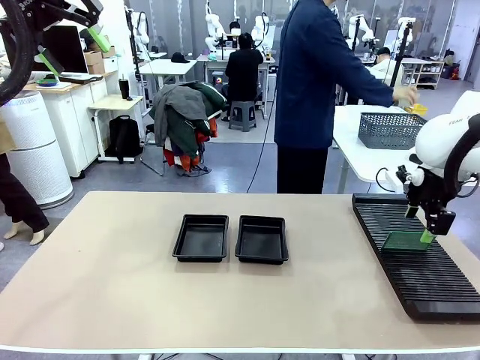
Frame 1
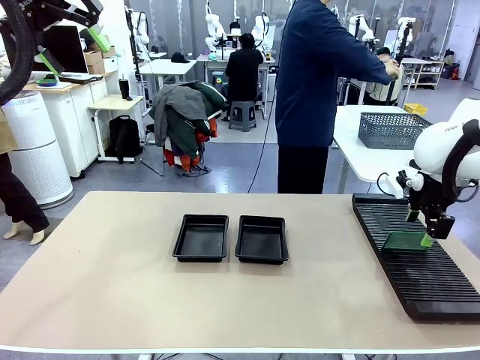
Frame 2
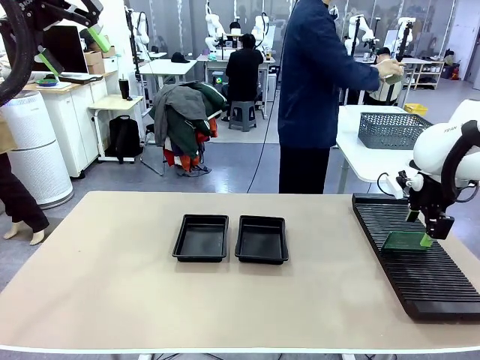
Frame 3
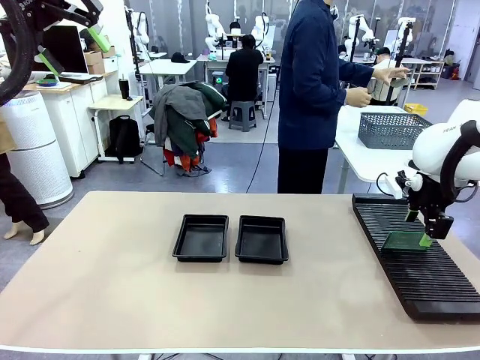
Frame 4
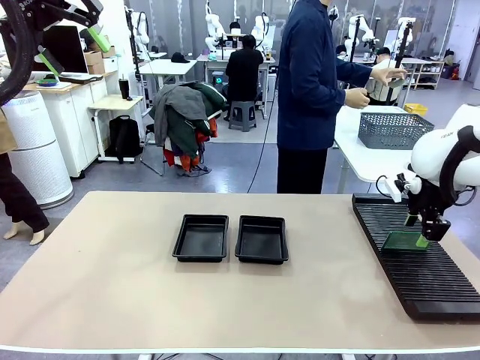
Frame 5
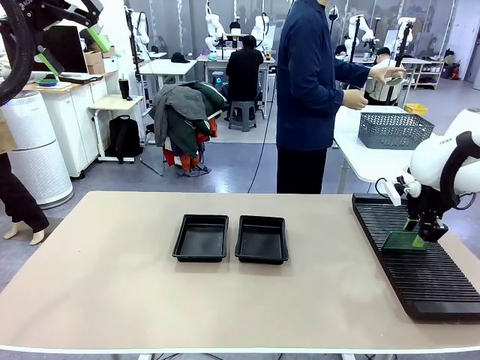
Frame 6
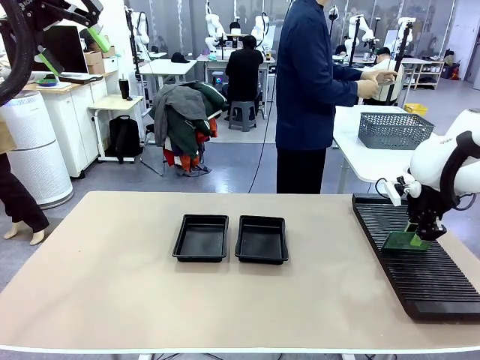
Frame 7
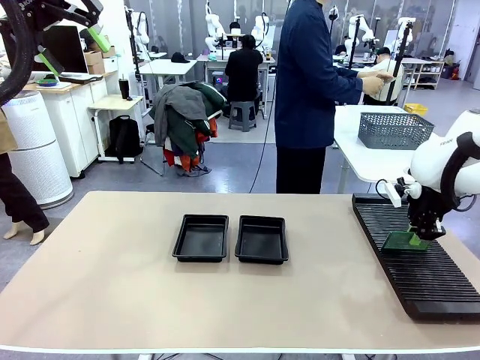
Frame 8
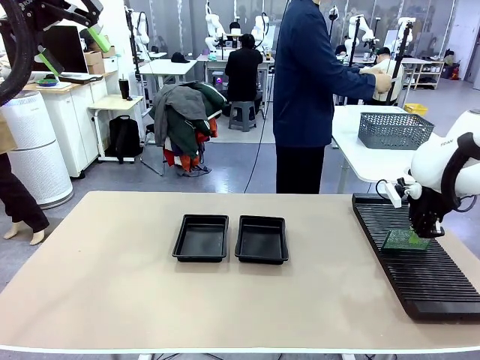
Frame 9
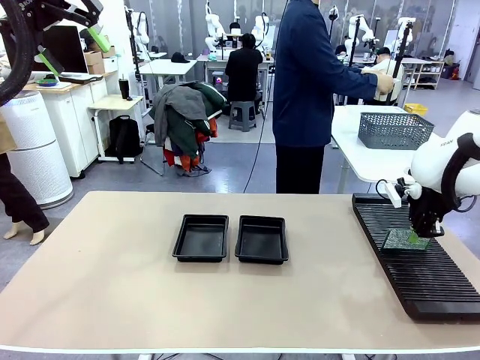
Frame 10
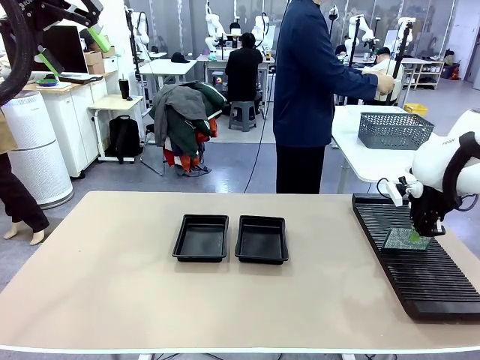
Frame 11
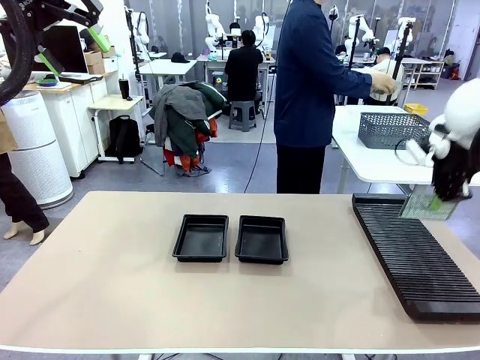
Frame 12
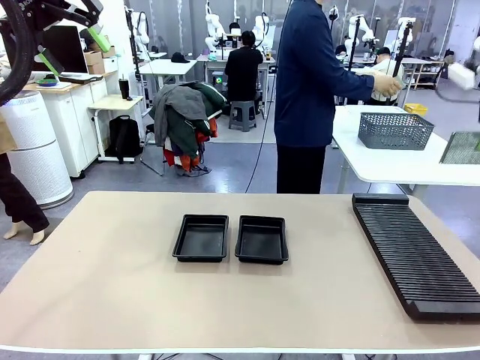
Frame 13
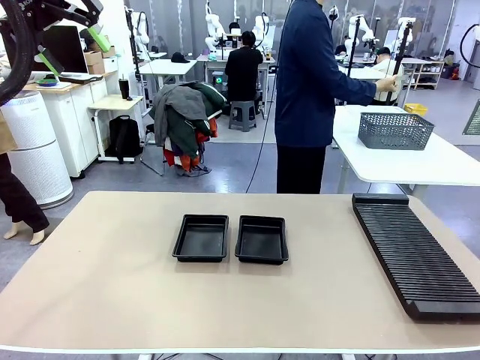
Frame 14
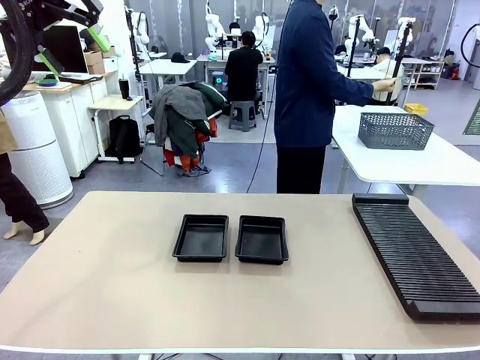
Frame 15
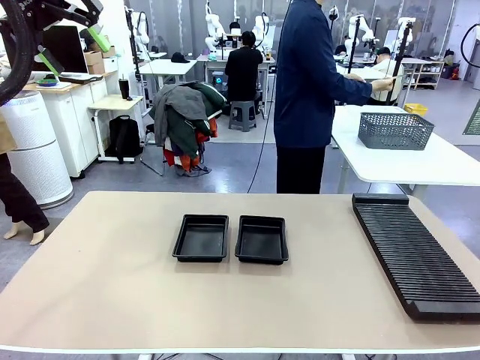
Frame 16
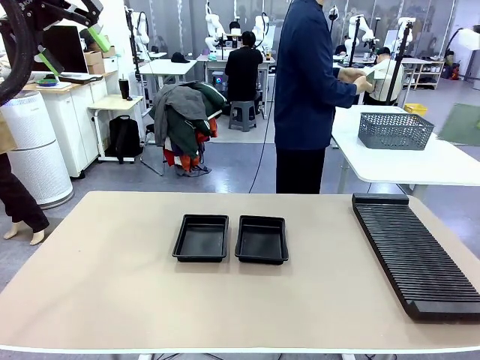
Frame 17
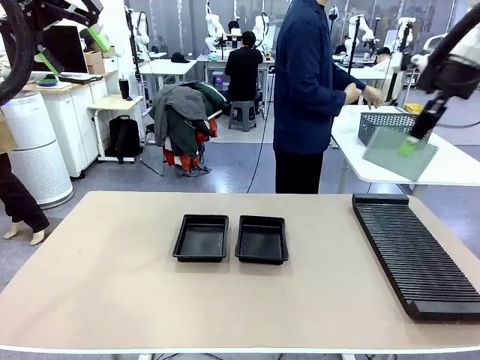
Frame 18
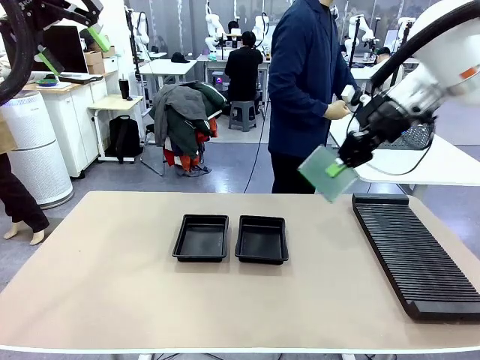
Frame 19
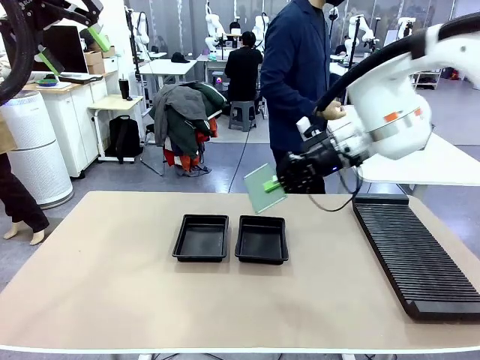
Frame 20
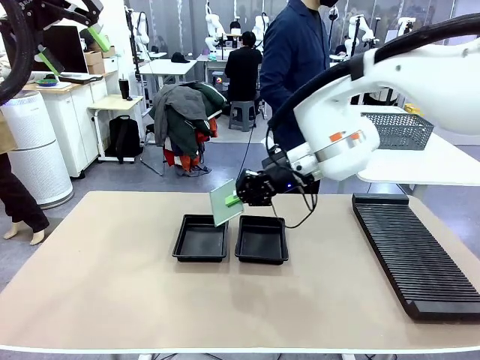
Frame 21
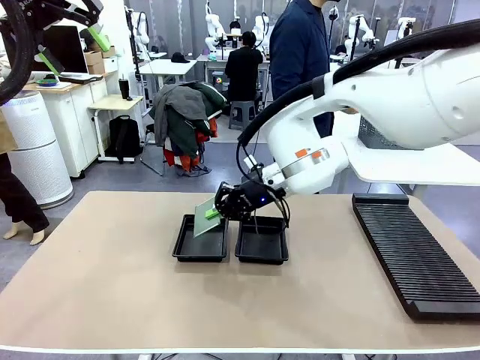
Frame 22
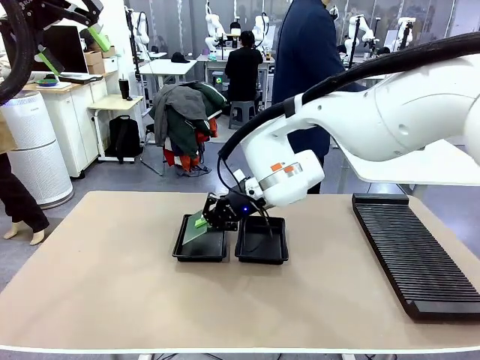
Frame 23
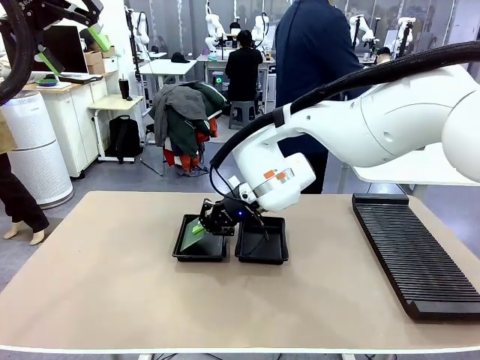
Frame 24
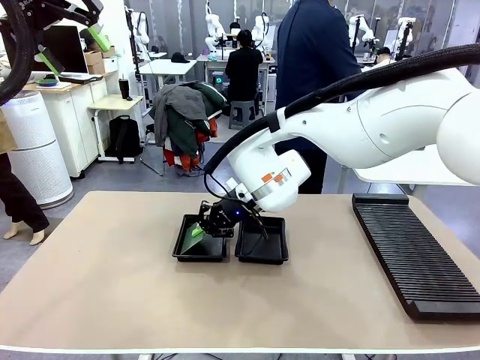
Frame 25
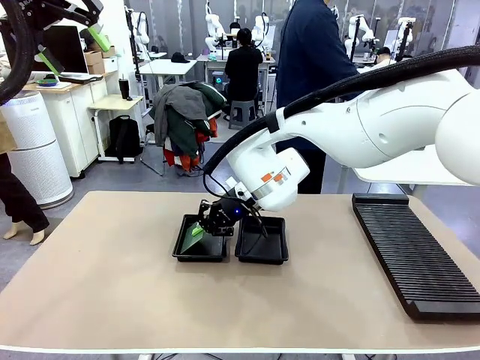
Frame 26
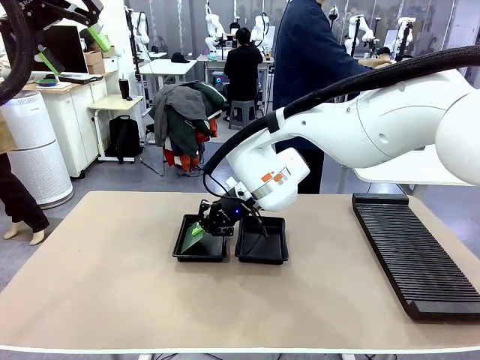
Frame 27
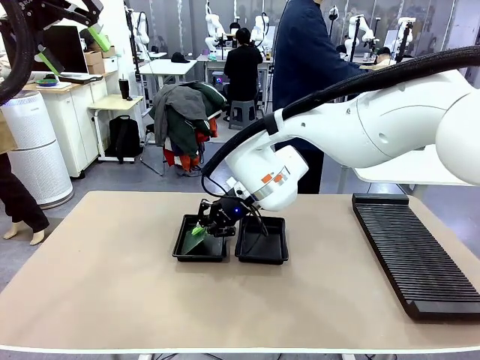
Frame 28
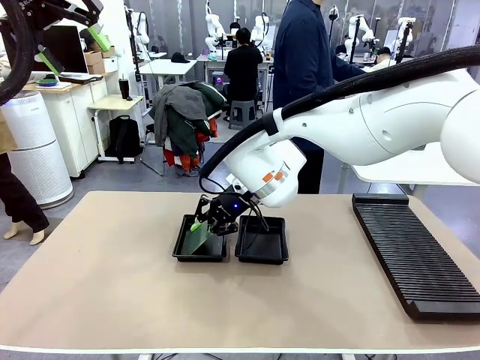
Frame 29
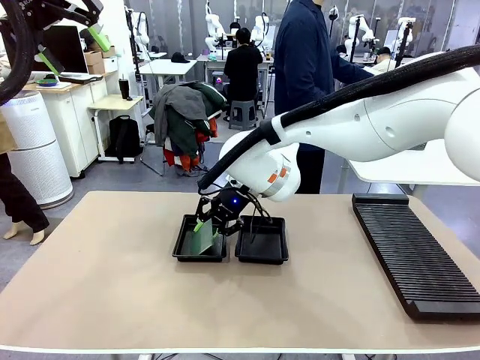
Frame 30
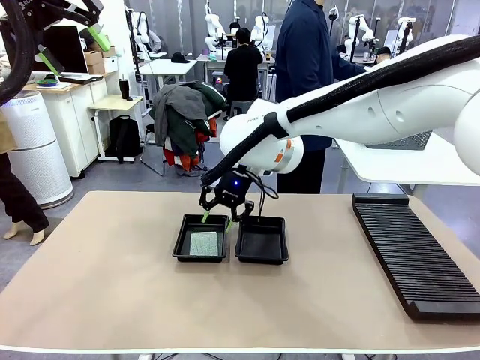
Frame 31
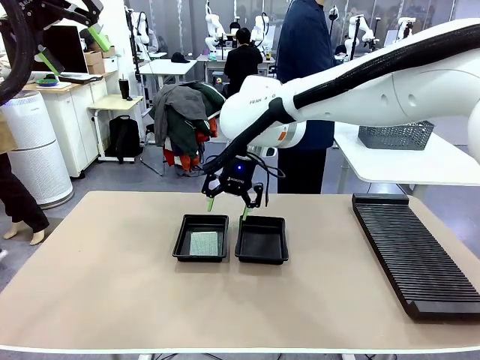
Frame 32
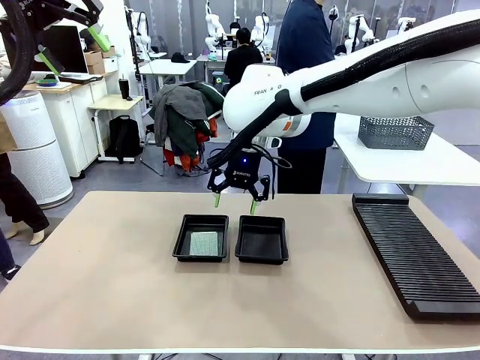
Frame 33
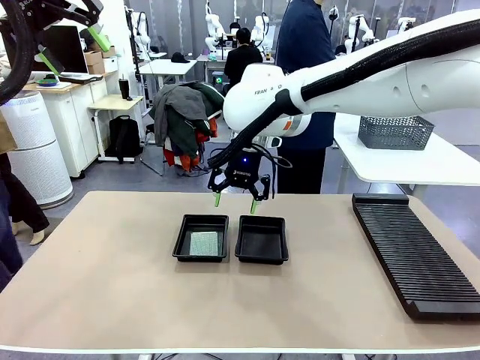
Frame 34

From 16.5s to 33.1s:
Task: Inspect and transfer BCBs to ESD trays.
Robot: Pick up the Blank PCB from the PCB Rack and place it in the left ESD tray.

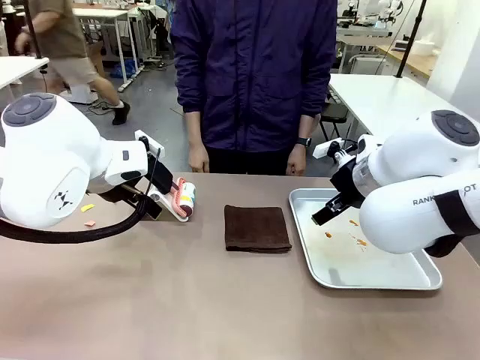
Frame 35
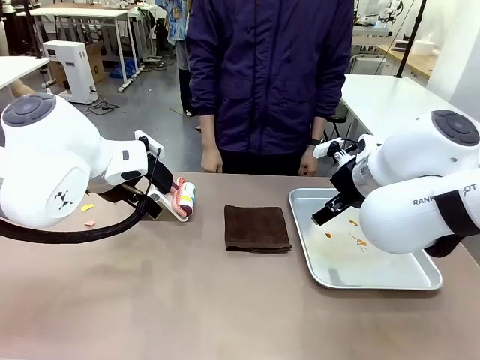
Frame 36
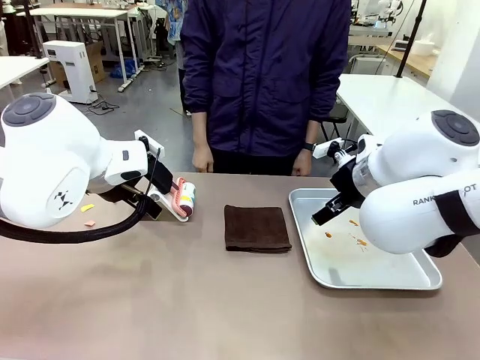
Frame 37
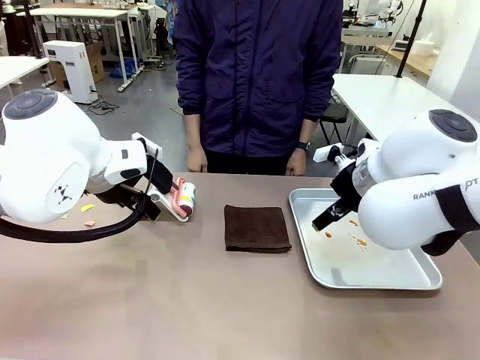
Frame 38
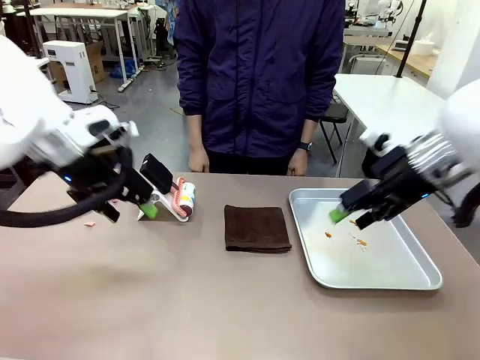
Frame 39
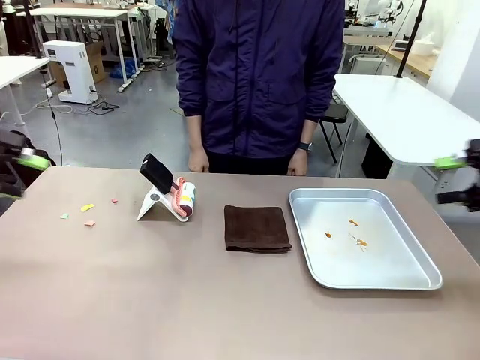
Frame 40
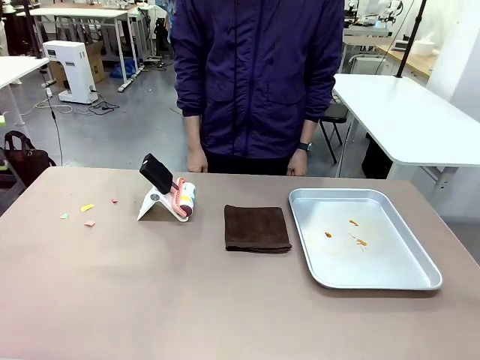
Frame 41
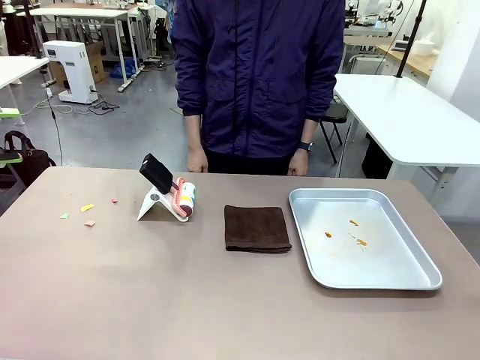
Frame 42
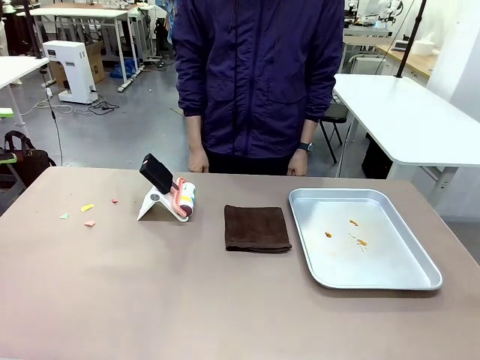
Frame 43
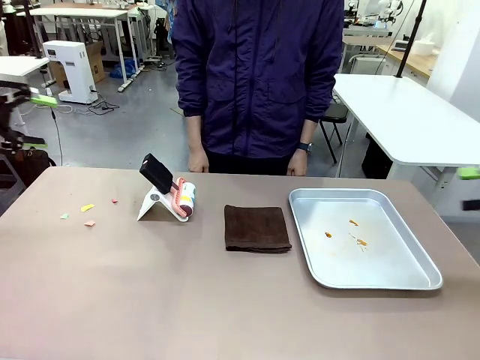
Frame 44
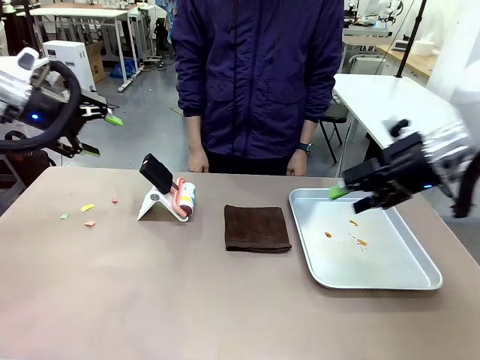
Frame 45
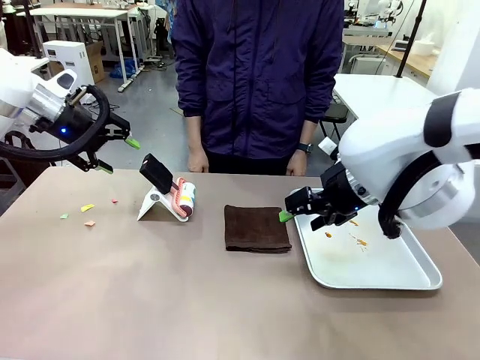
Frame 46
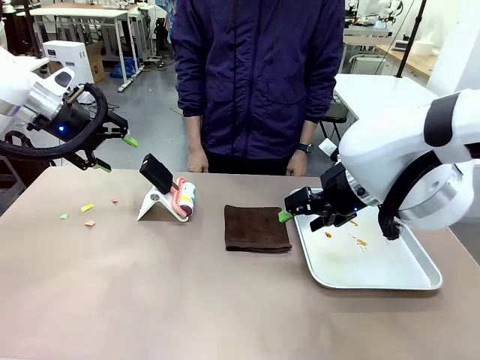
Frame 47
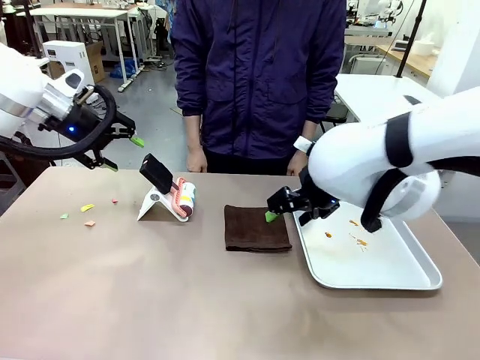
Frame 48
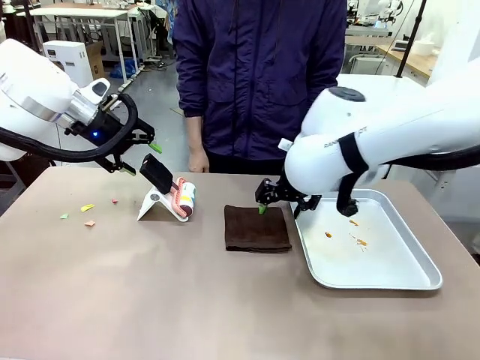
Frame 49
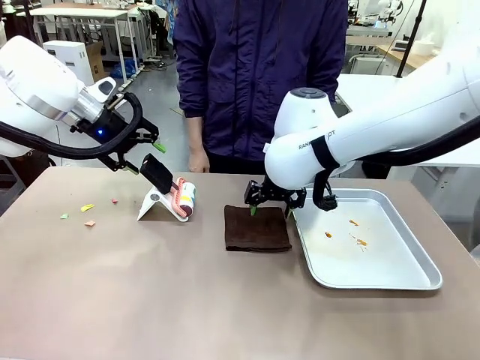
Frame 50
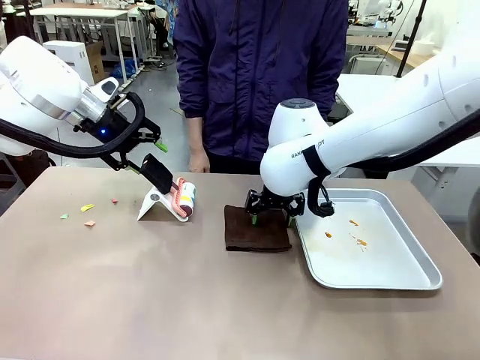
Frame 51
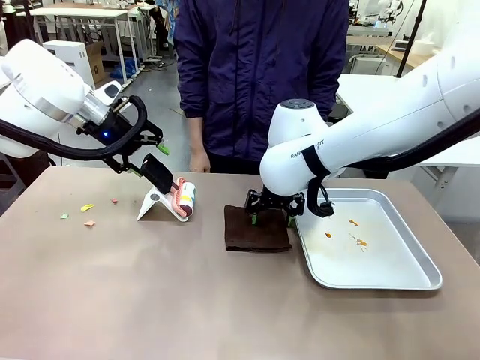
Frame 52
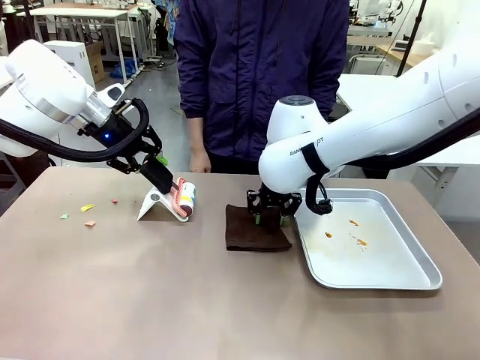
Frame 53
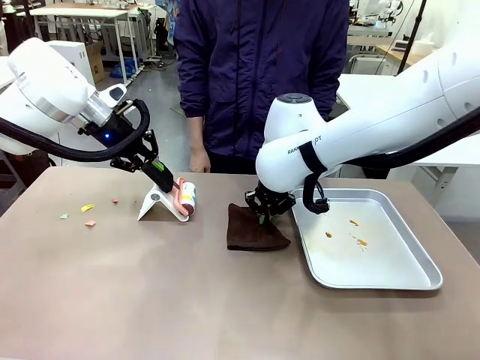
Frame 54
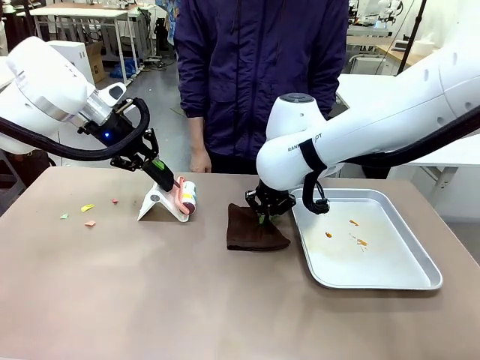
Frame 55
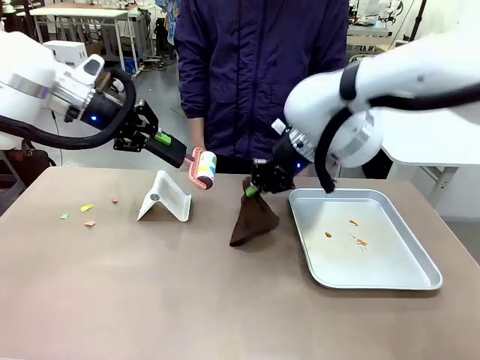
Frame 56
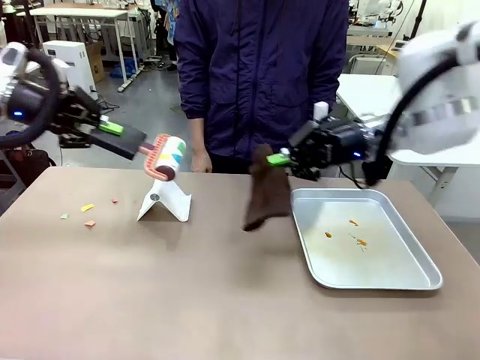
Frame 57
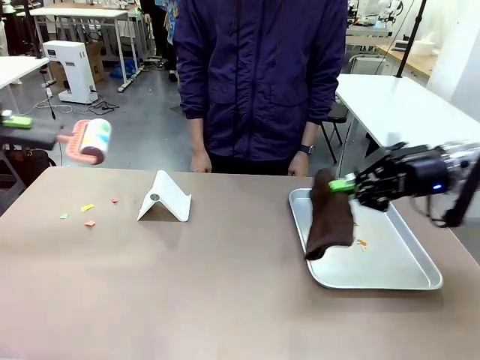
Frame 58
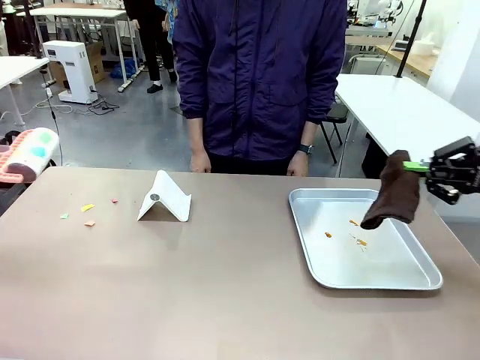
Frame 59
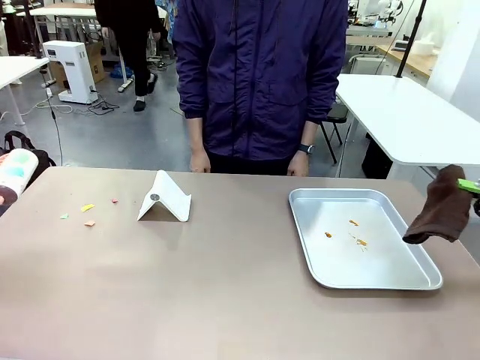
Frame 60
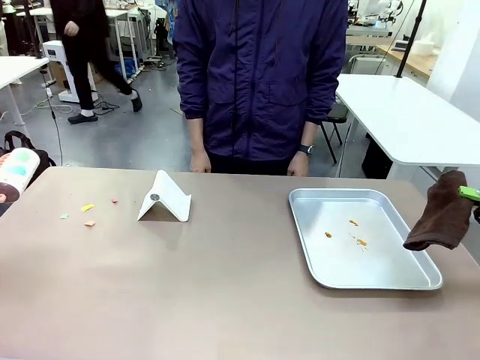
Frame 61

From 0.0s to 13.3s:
Task: Clean the surface of the table.
Robot: Hold the Lint Roller with your left hand and the towel with your right hand.
